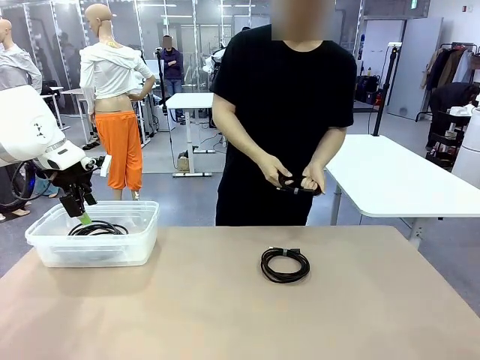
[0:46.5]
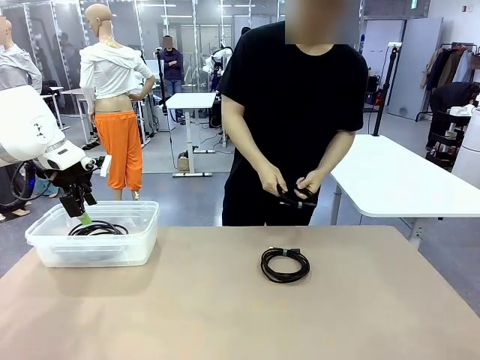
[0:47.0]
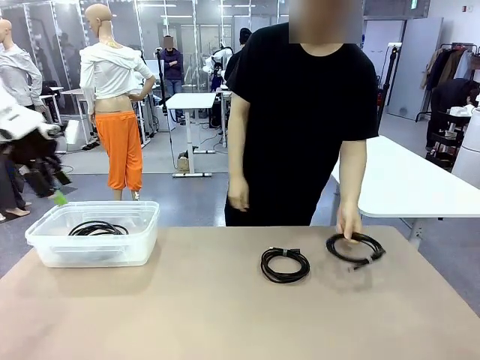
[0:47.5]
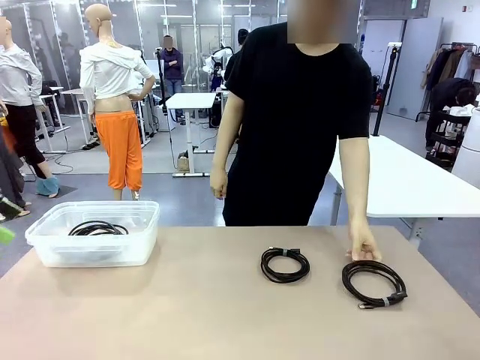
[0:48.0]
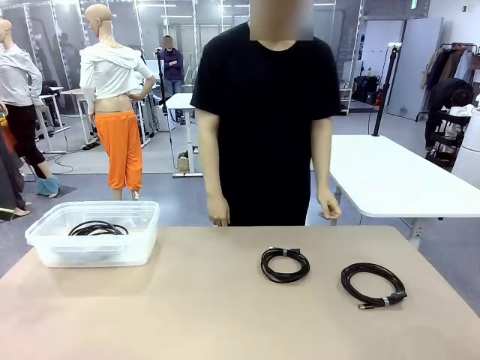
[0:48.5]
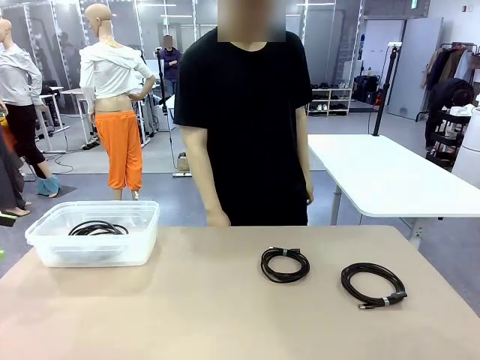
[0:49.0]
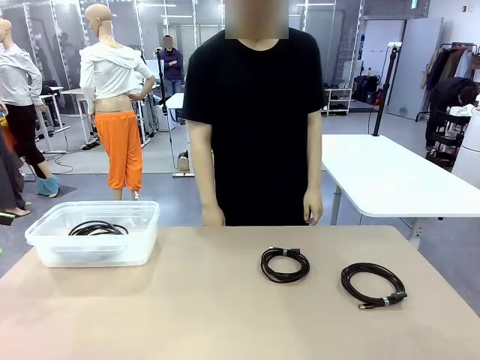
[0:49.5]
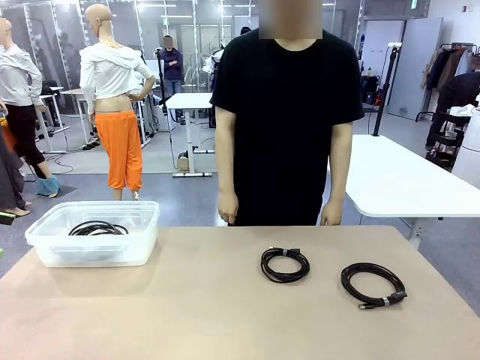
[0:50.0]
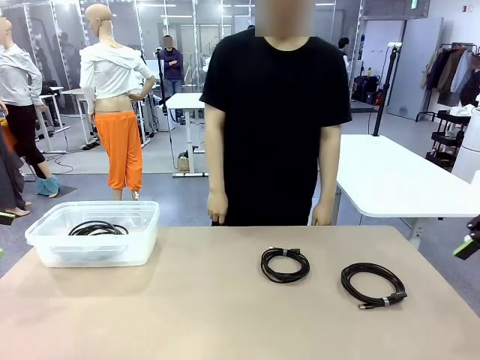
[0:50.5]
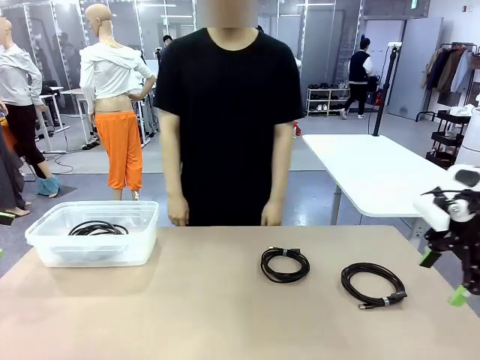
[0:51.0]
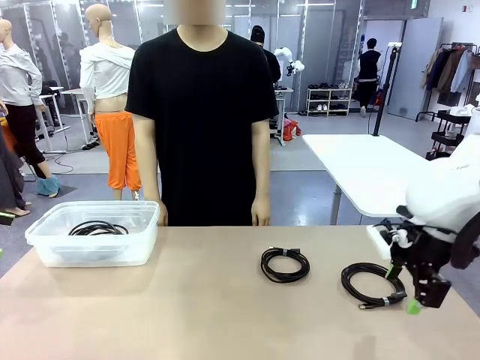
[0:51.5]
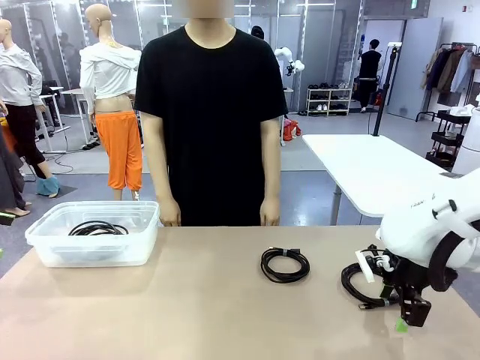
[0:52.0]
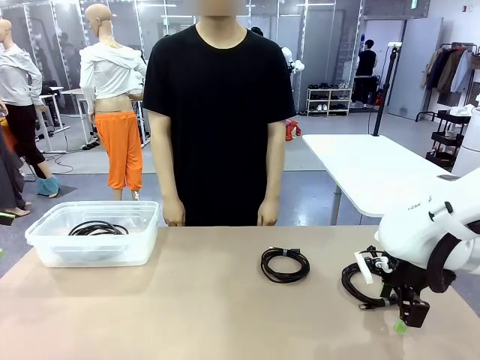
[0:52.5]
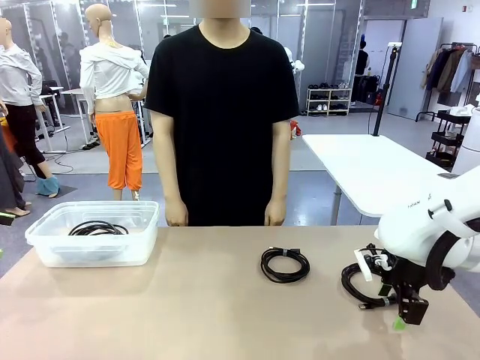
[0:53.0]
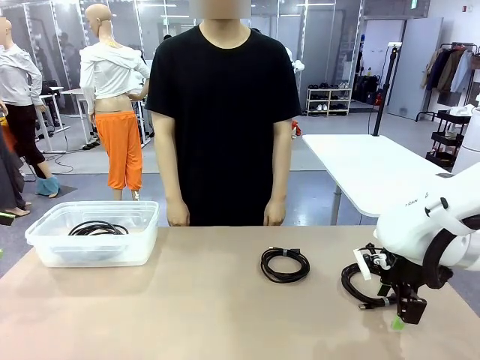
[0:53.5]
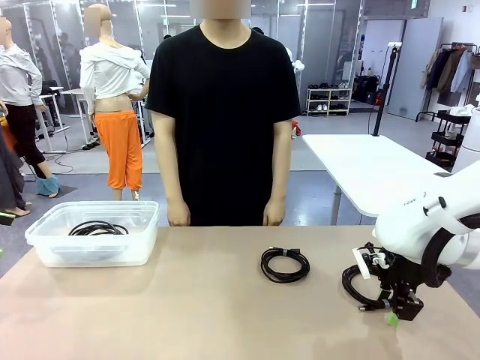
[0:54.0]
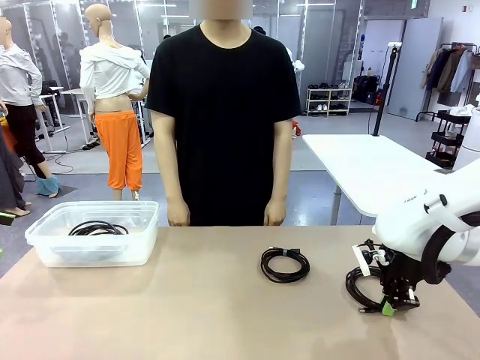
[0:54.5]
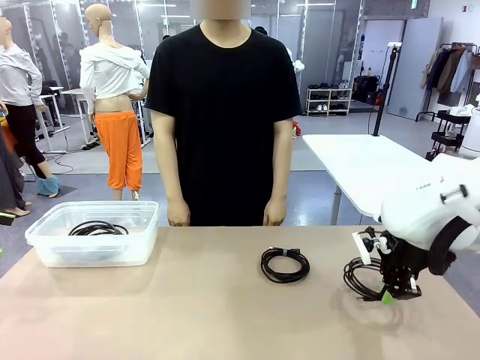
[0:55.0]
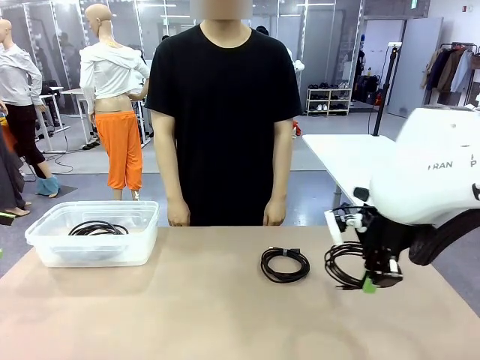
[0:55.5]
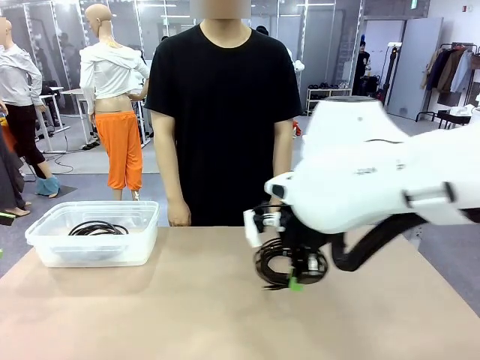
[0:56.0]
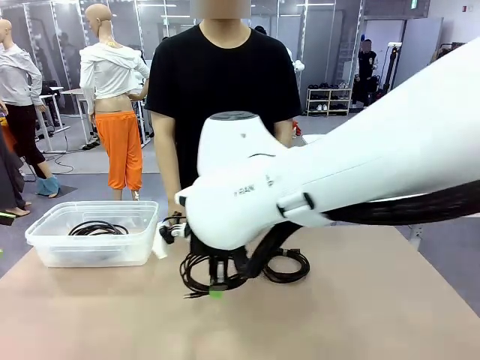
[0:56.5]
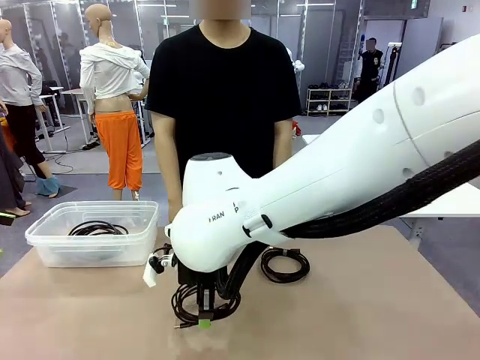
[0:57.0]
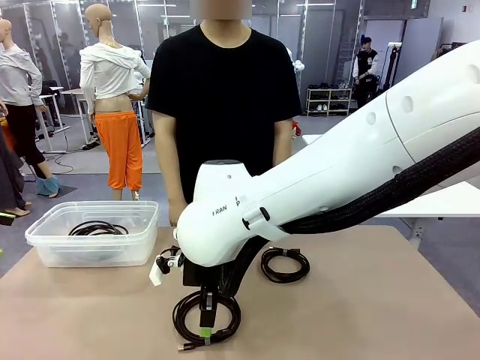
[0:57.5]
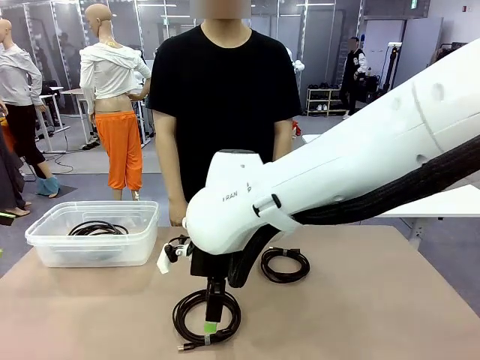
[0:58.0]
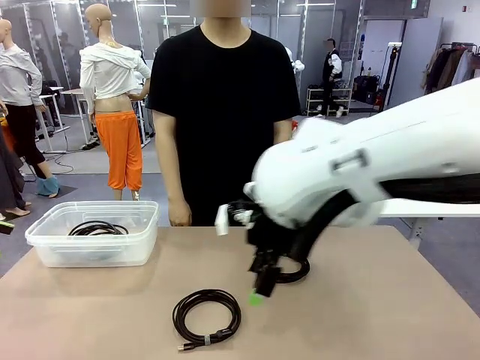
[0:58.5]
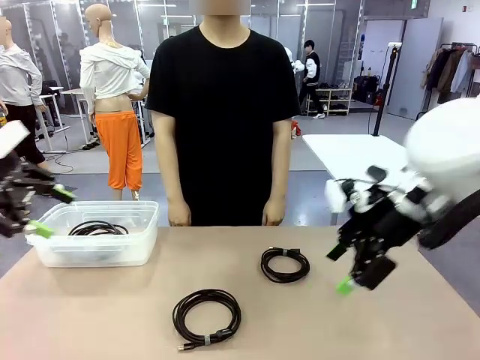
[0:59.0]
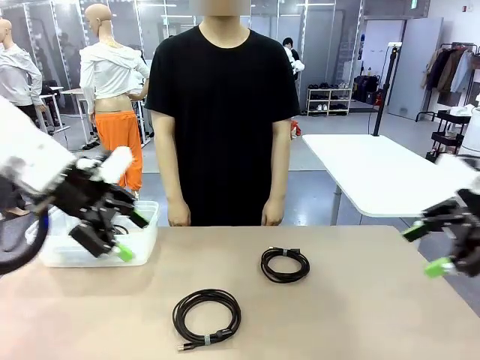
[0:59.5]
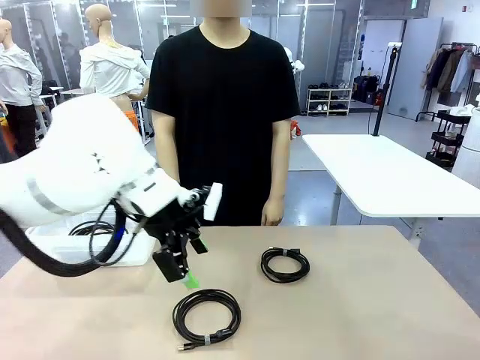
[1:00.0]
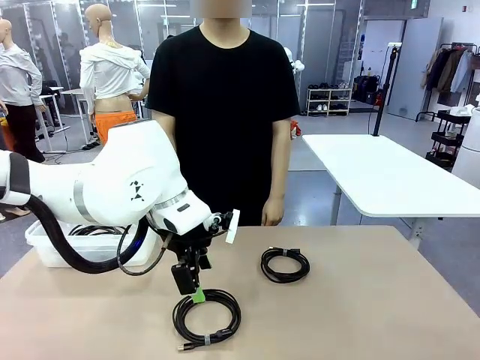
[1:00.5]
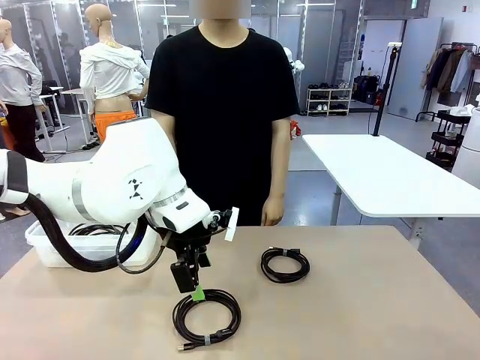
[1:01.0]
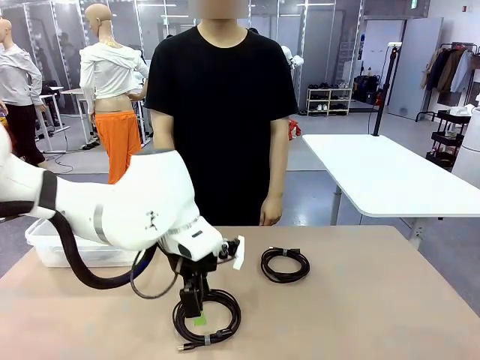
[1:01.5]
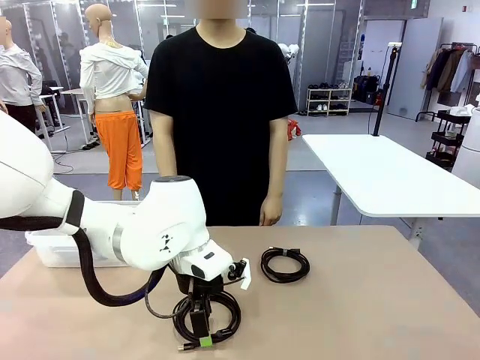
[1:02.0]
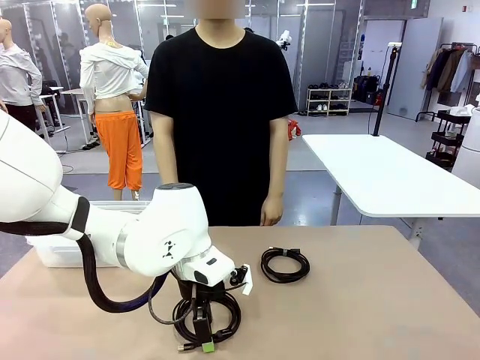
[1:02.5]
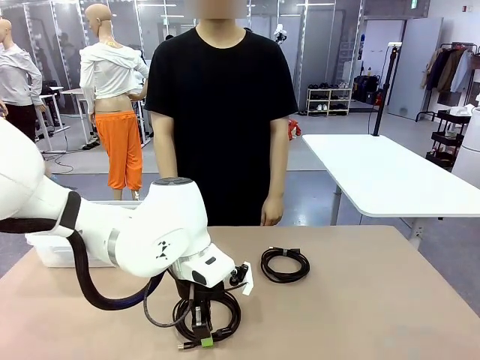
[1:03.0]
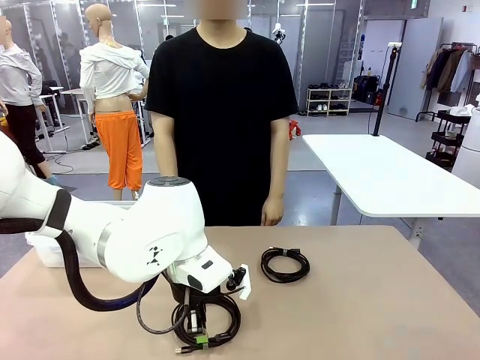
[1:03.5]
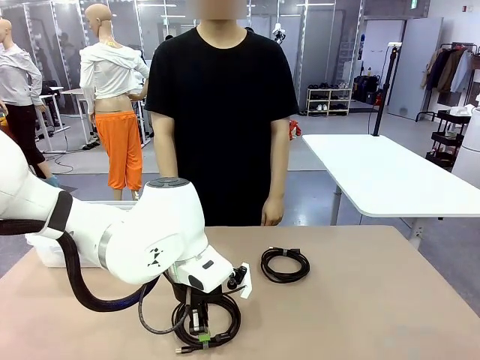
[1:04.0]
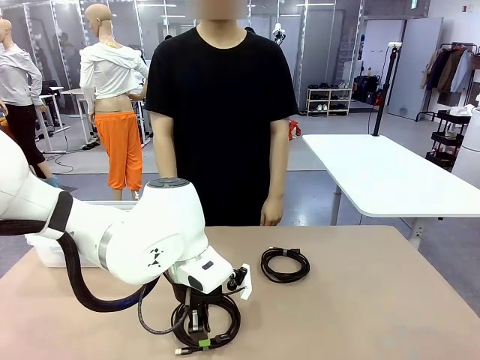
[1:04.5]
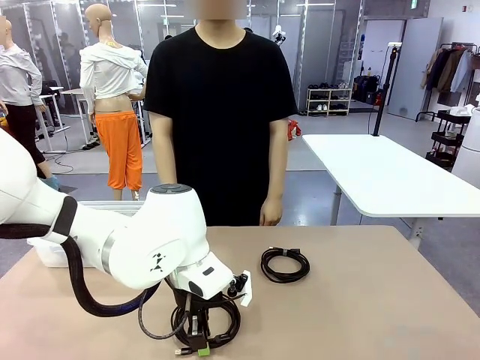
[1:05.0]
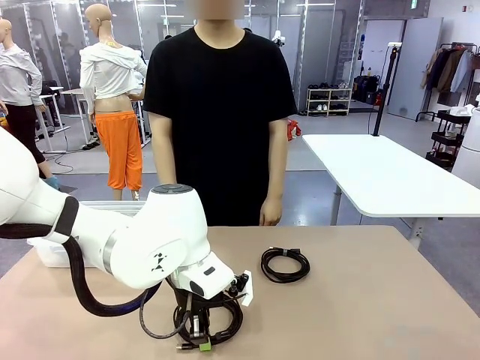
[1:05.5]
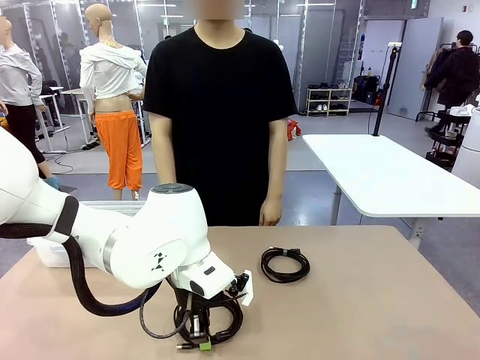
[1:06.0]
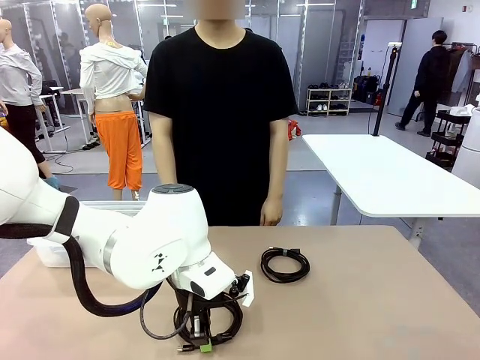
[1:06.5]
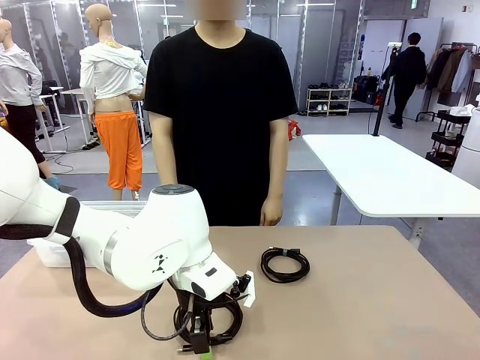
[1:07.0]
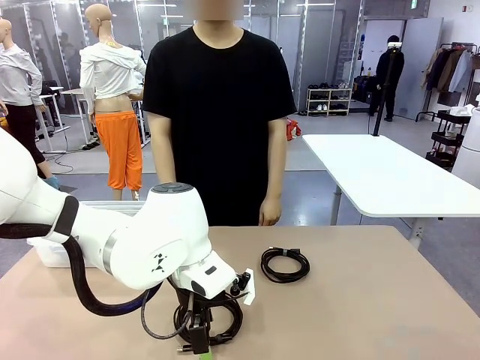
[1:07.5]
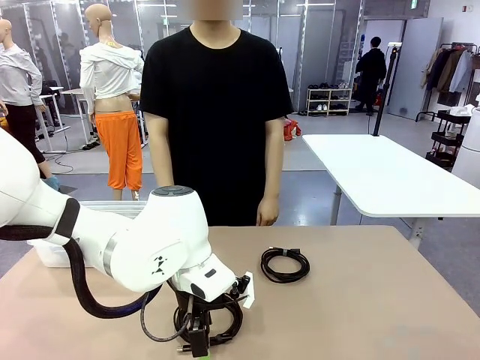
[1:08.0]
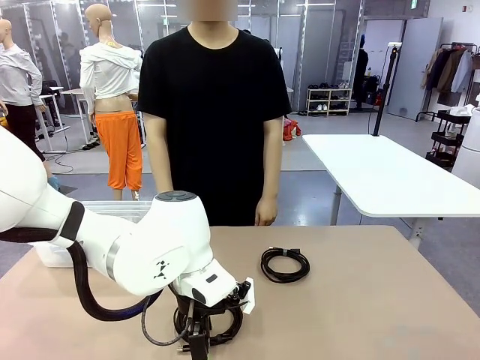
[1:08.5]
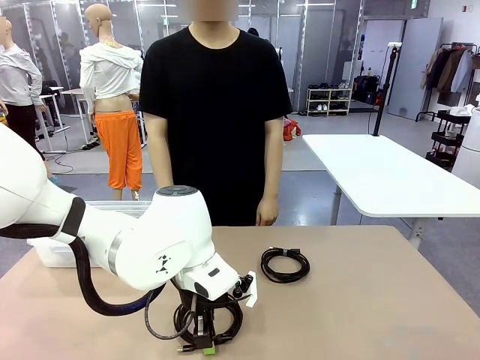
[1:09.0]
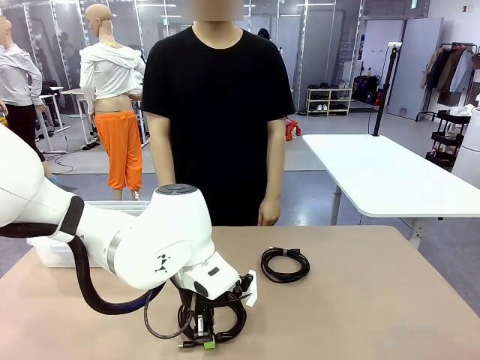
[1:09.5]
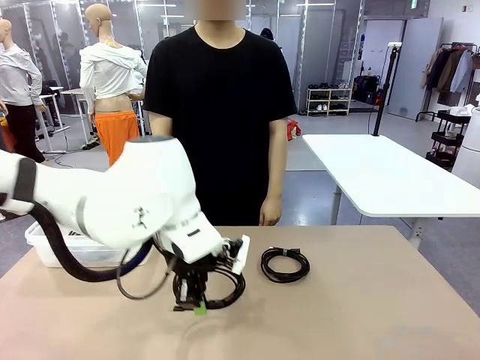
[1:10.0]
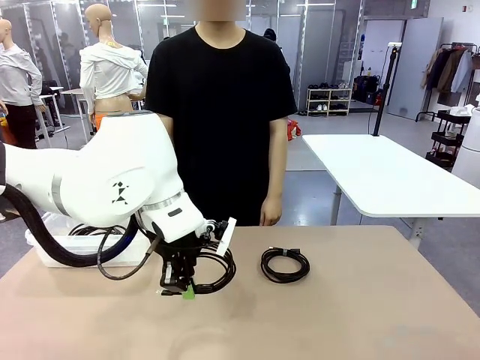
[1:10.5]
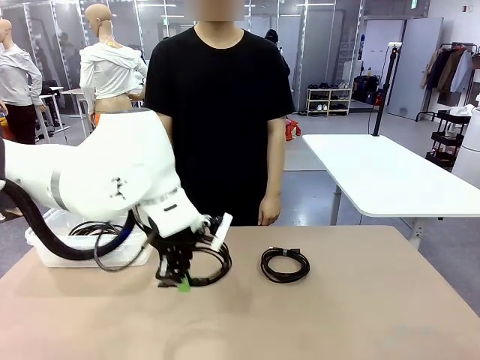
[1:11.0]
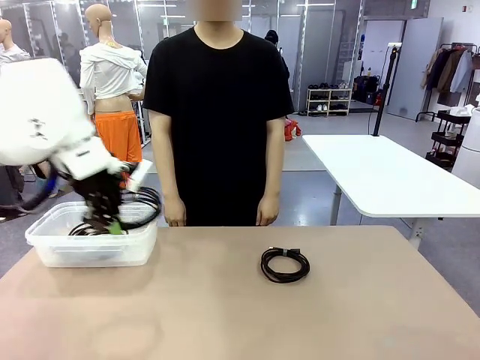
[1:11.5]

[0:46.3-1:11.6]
Task: Organize and store the cables.
Robot: Place the USB Extension Cable into the Organizing box.
